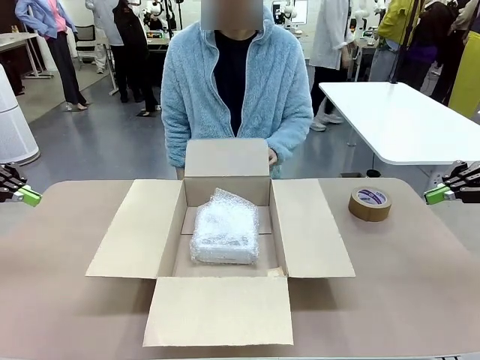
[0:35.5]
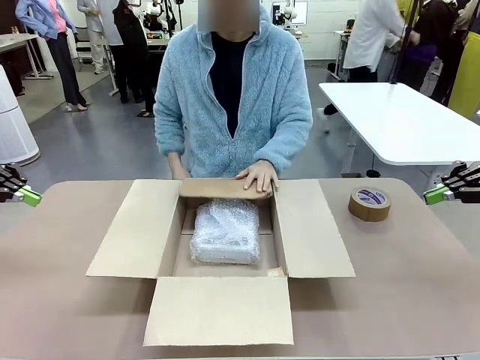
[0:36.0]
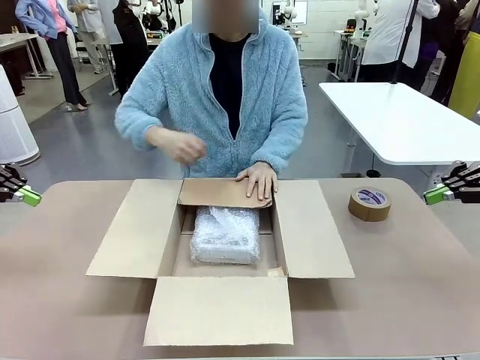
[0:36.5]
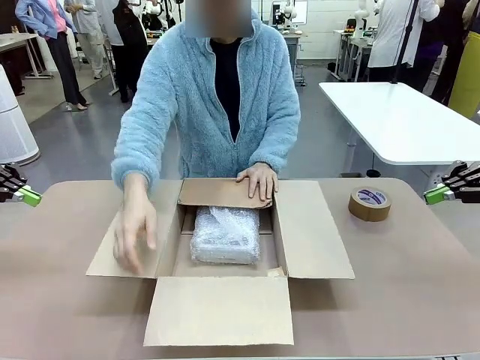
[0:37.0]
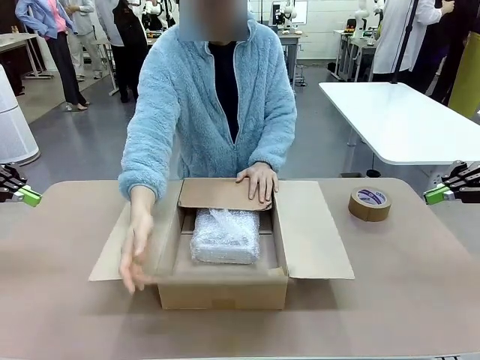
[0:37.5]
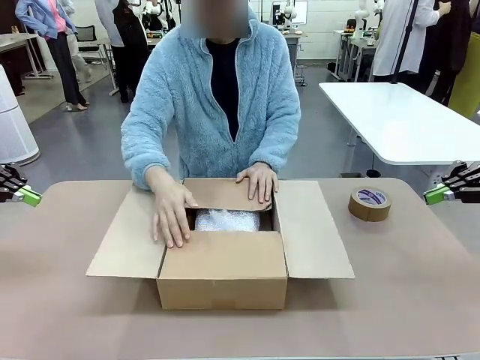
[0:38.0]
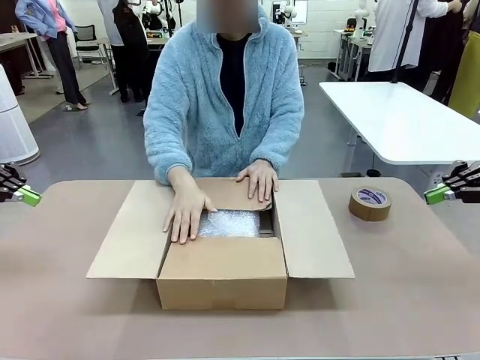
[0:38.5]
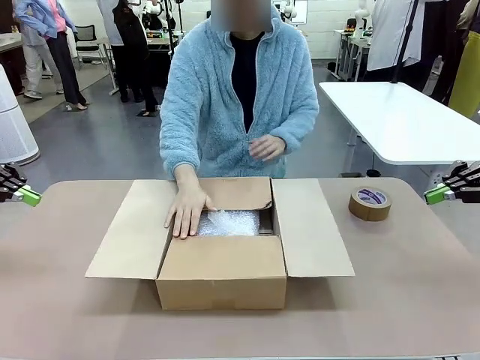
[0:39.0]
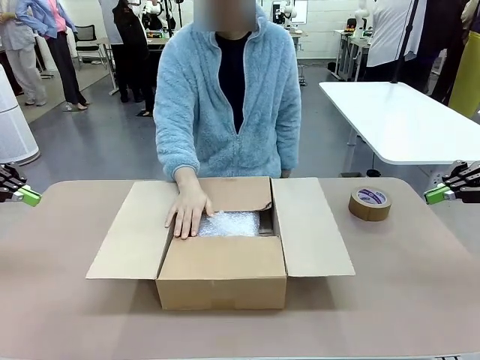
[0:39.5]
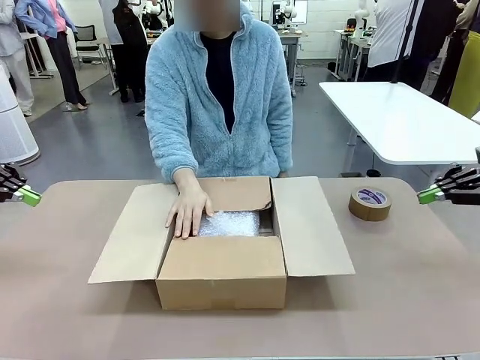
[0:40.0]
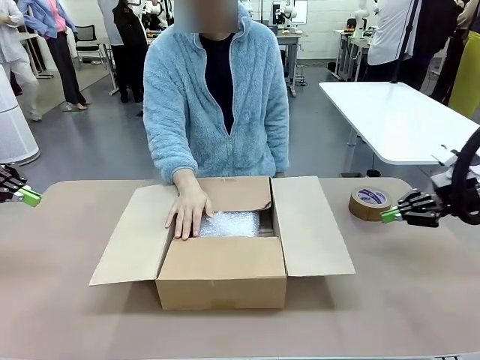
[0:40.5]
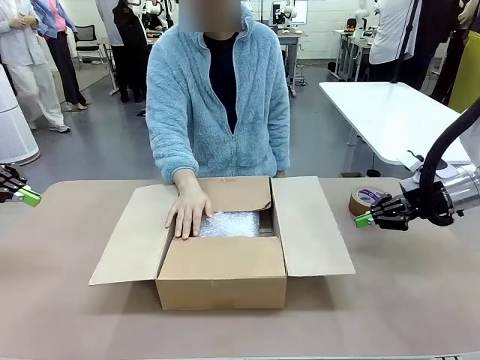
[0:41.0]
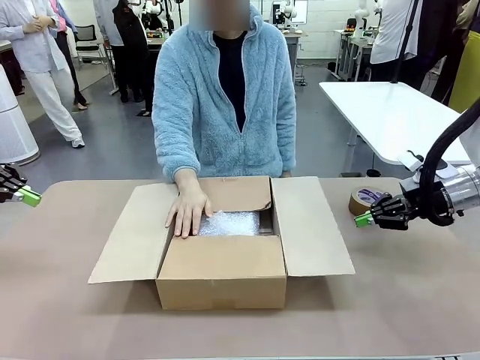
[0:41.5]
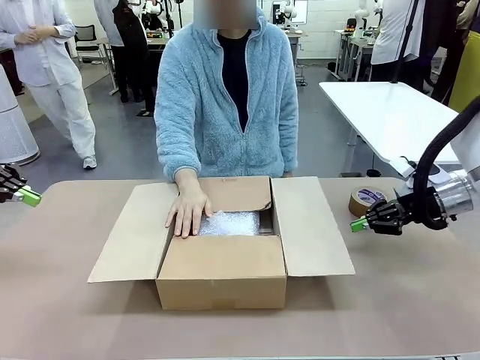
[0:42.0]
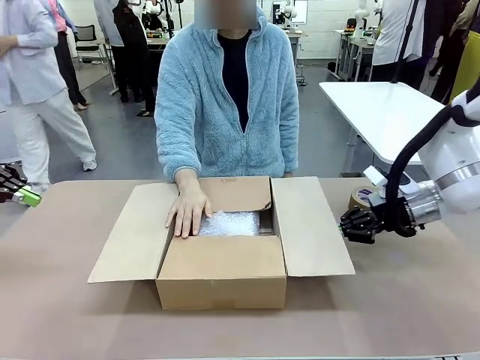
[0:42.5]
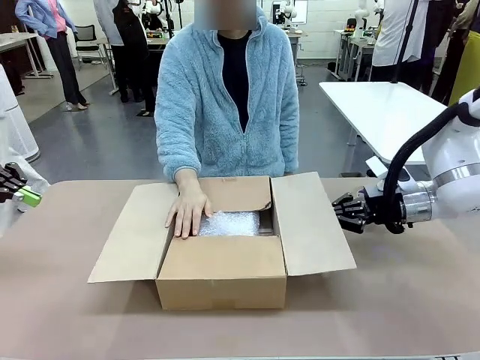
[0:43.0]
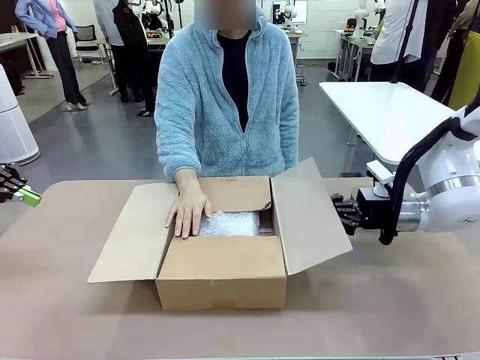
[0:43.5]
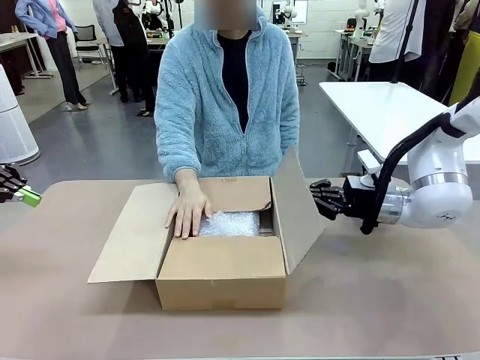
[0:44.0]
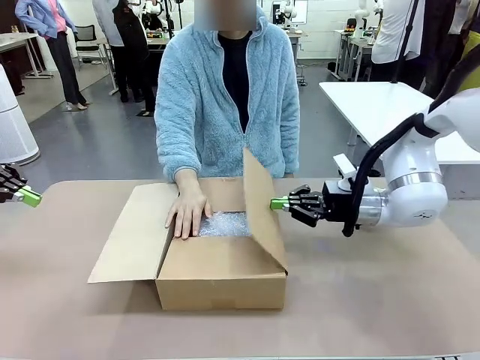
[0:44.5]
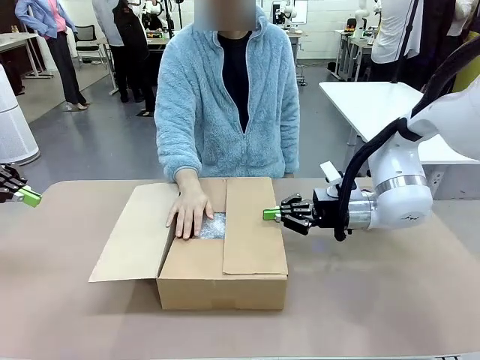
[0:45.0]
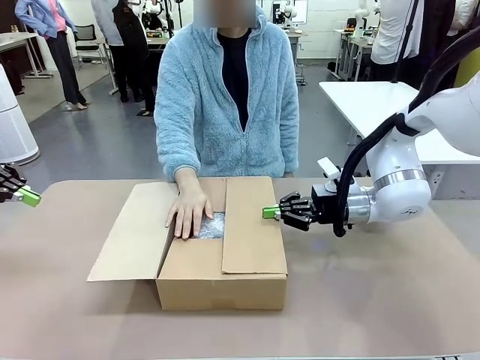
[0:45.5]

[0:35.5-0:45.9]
Task: Wrap the clocks to prevent damage.
Robot: Push the right (or left) flap of the Package Box to close it.
Person: Once the robot closes the right flap of the Package Box , release your left hand from the box.

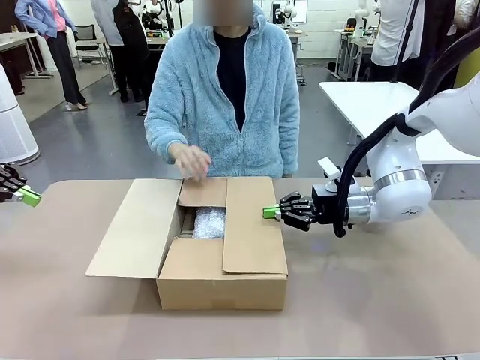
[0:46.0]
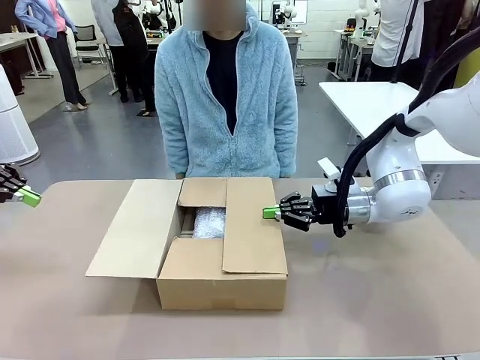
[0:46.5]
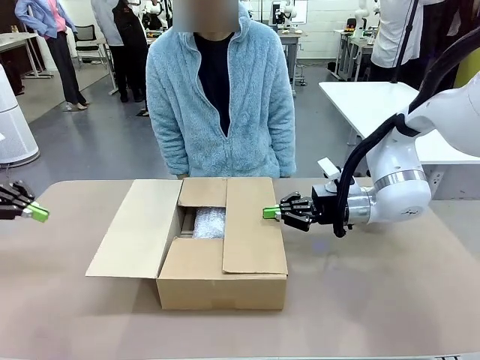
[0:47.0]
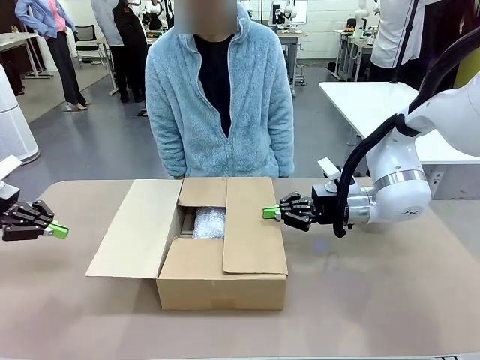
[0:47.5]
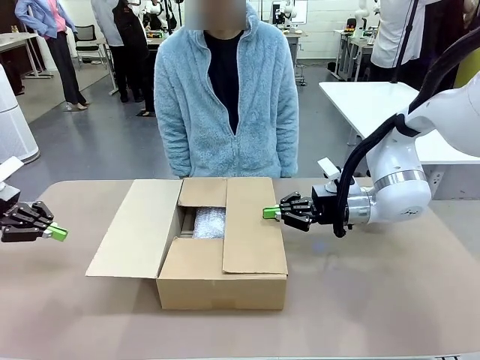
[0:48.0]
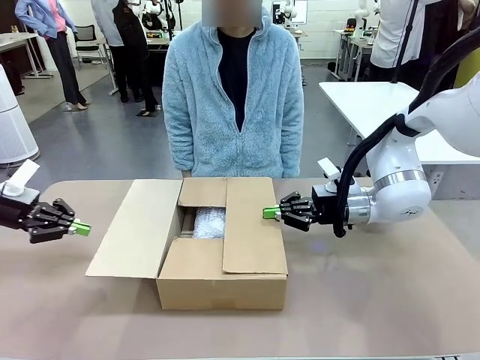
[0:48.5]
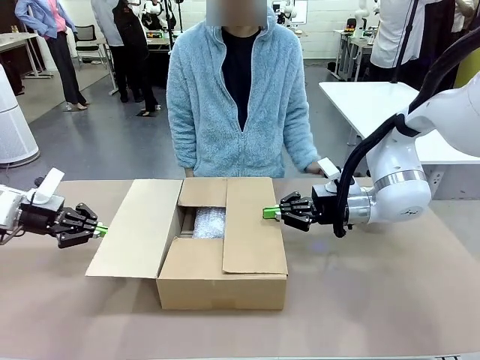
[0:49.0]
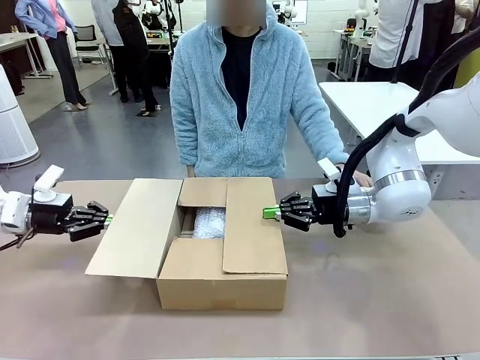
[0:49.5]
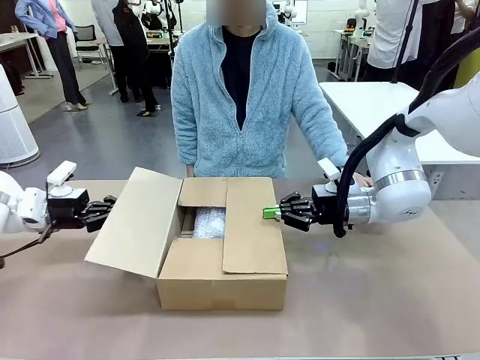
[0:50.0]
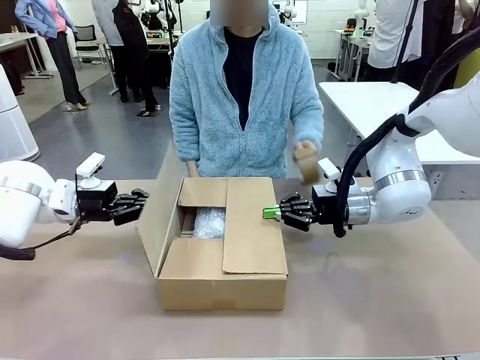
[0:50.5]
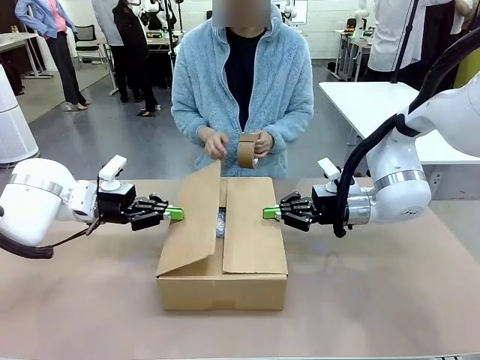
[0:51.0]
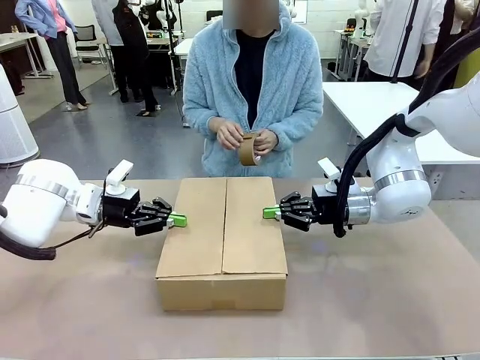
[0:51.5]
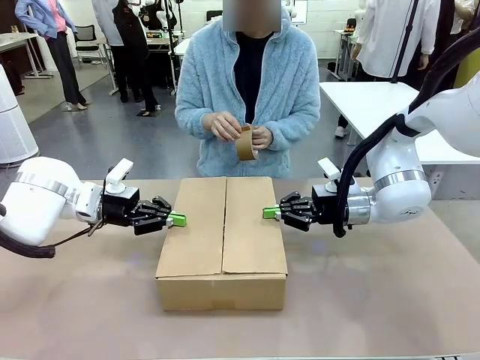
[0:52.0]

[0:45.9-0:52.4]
Robot: Push the left (or right) flap of the Package Box to close it.

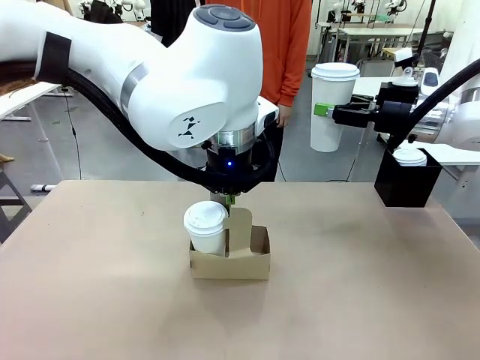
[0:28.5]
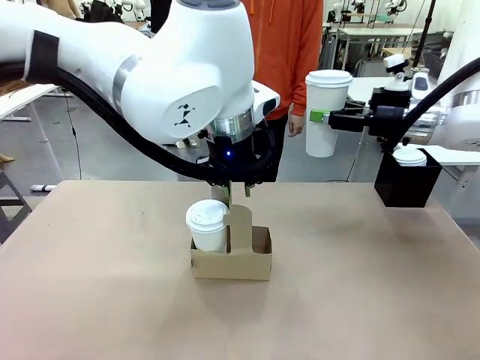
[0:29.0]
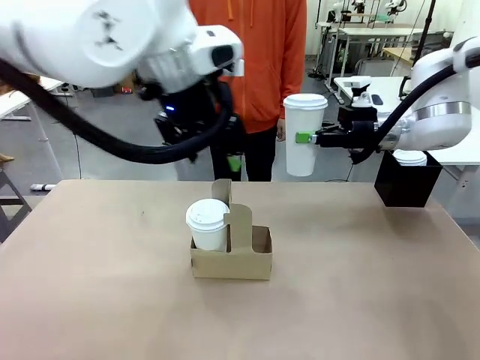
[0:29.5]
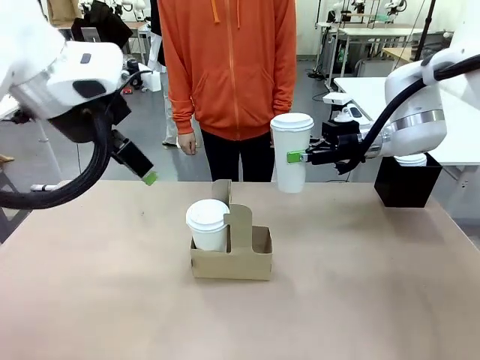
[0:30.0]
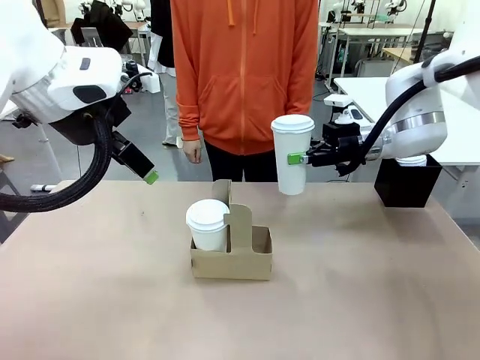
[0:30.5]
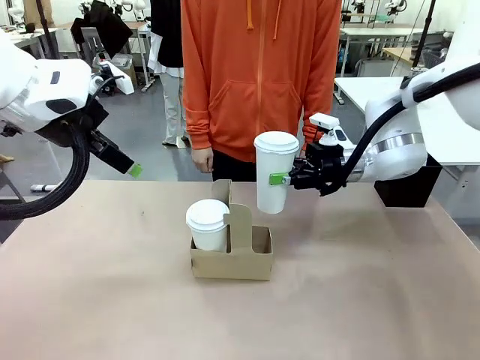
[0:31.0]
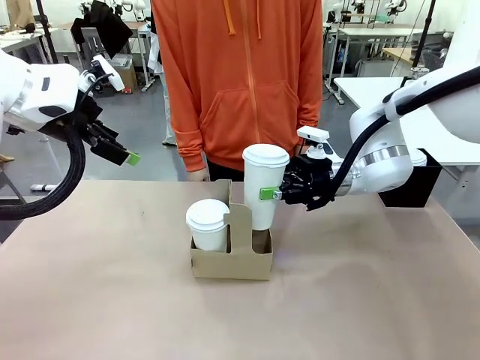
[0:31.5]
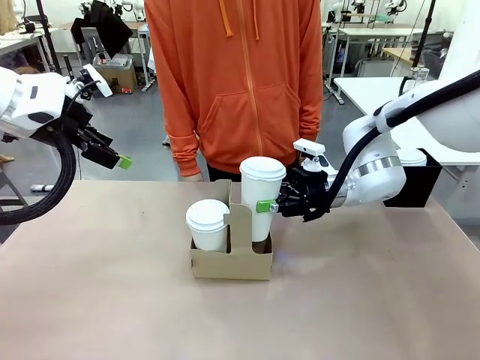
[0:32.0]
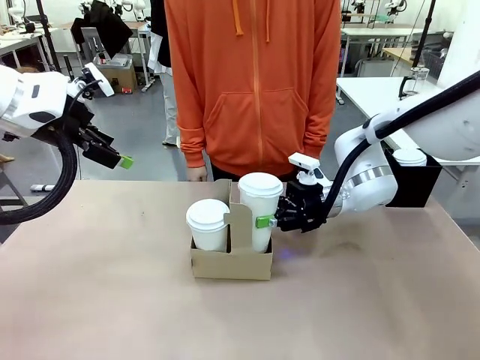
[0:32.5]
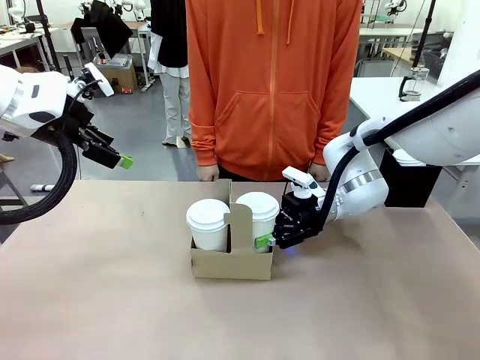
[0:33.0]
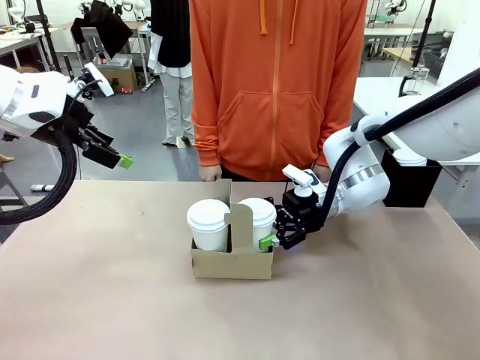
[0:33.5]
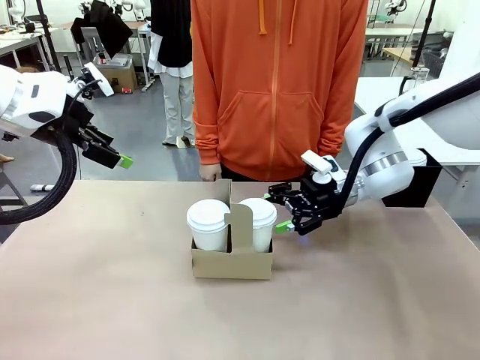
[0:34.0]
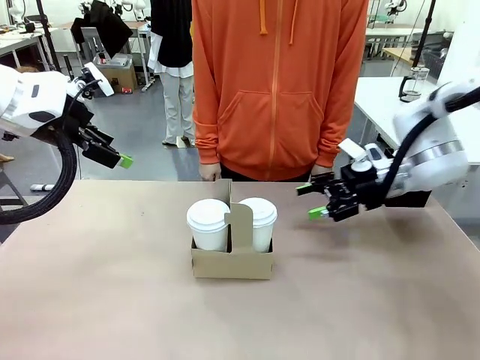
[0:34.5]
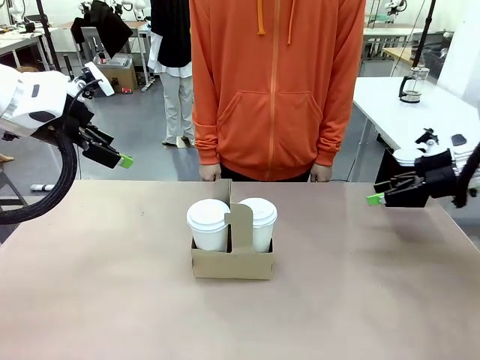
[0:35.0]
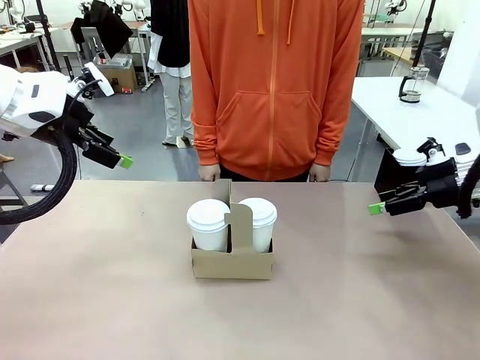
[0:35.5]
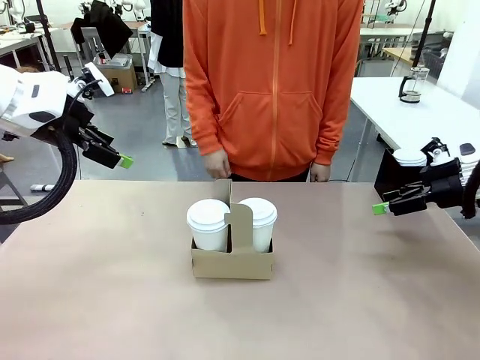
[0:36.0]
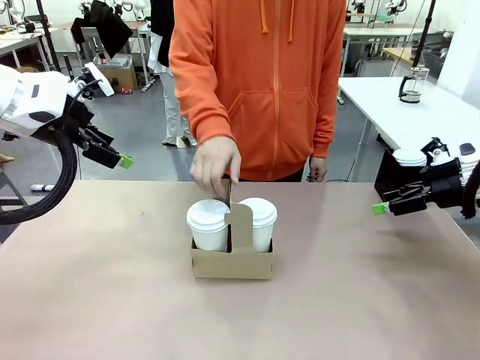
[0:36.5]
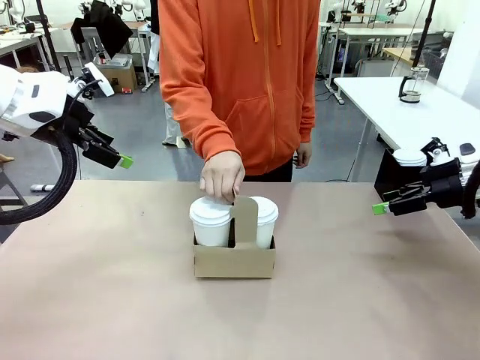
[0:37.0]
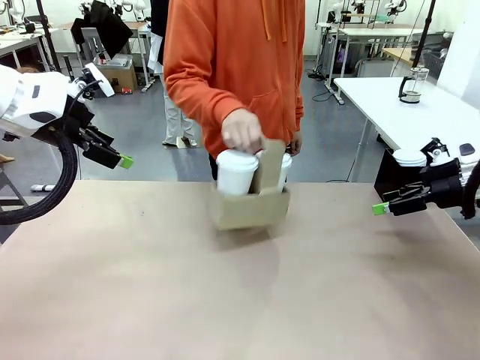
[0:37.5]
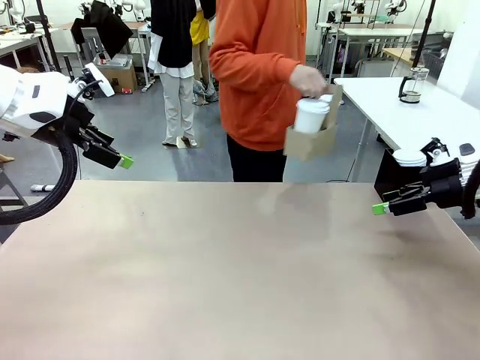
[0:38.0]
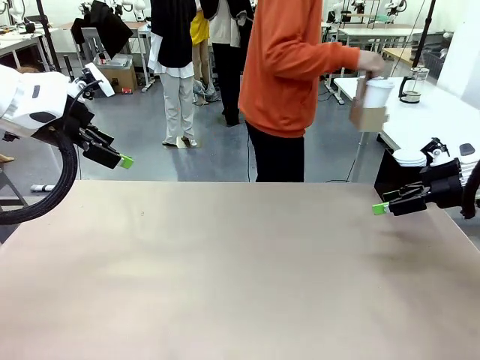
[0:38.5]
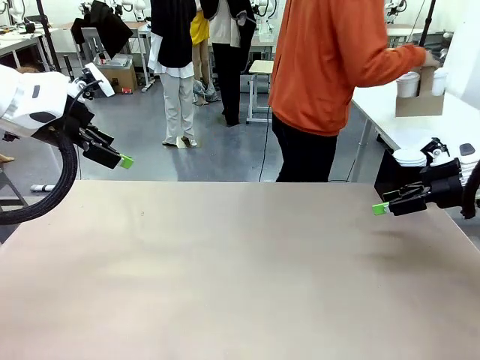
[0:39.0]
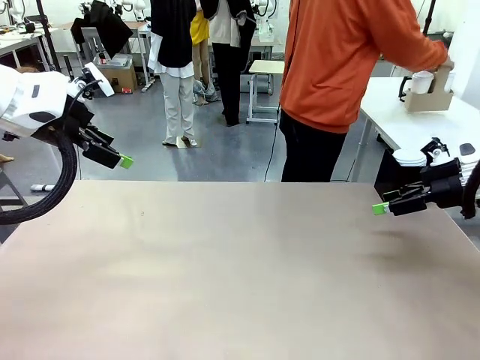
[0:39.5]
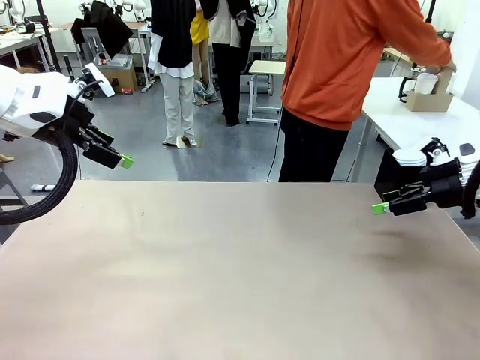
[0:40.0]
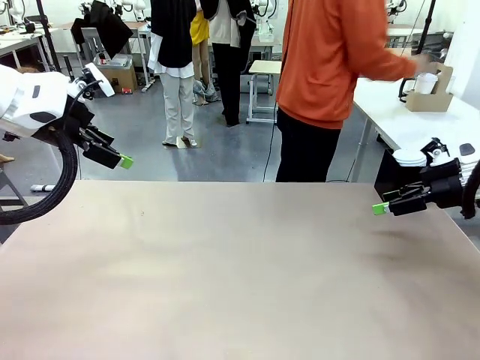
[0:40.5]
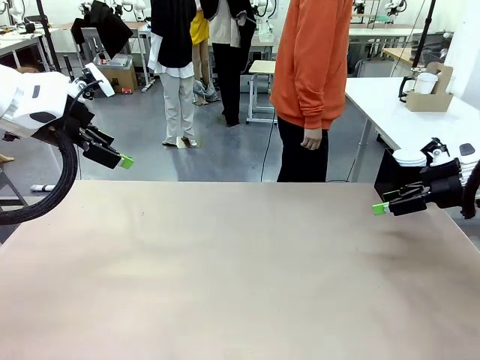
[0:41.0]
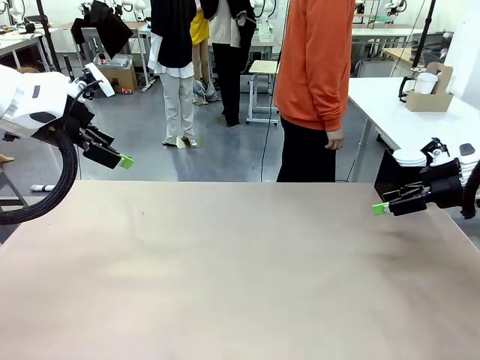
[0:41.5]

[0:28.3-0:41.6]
Task: Pour a drink into a cup and package it in a carrier.
Robot: Insert the held 600 ml Paper Cup into the Cup Carrier.
Person: Place the Cup Carrier to the middle of Human table.
